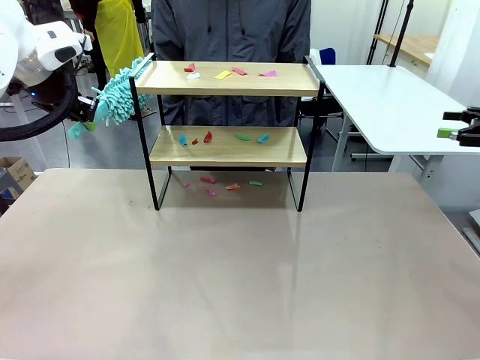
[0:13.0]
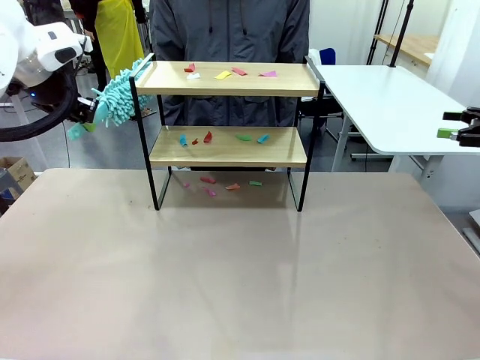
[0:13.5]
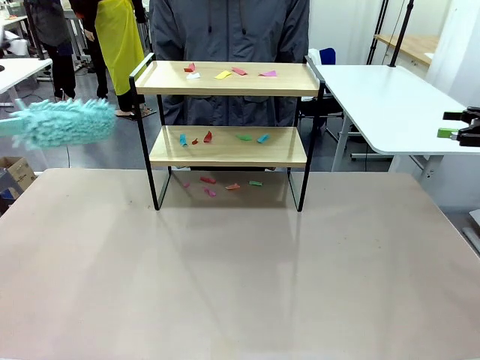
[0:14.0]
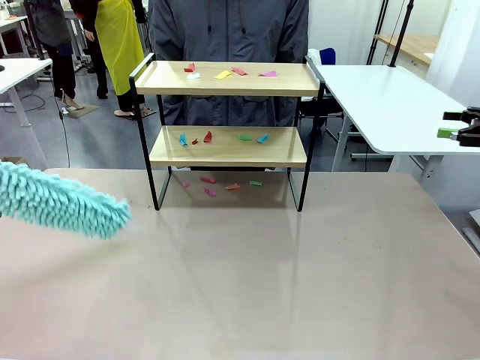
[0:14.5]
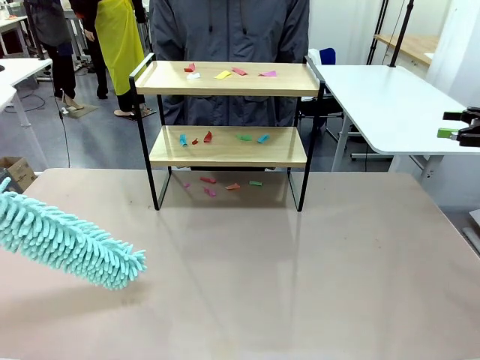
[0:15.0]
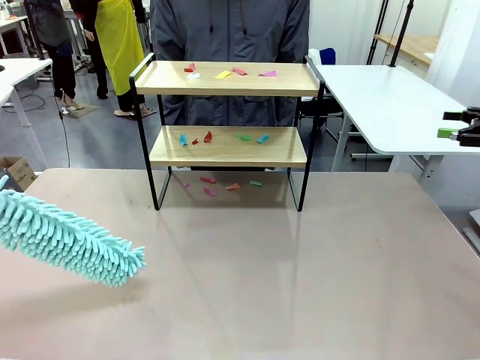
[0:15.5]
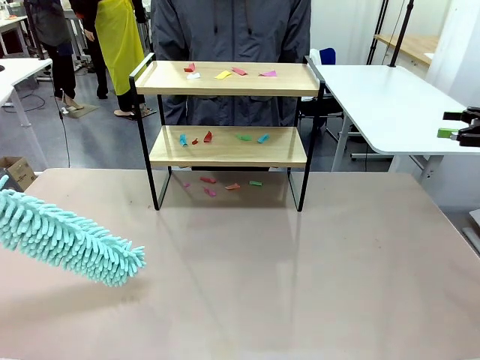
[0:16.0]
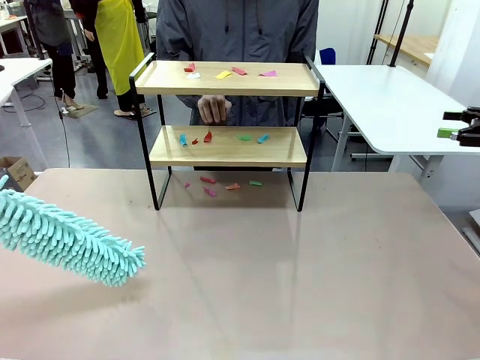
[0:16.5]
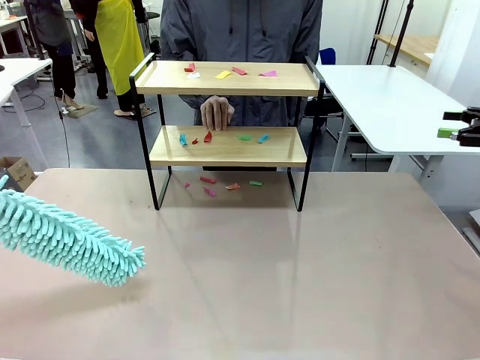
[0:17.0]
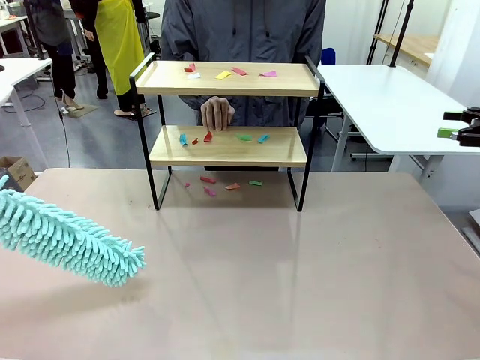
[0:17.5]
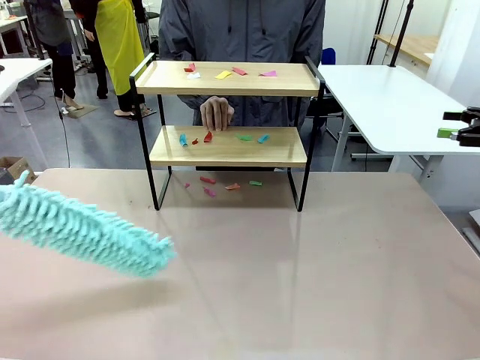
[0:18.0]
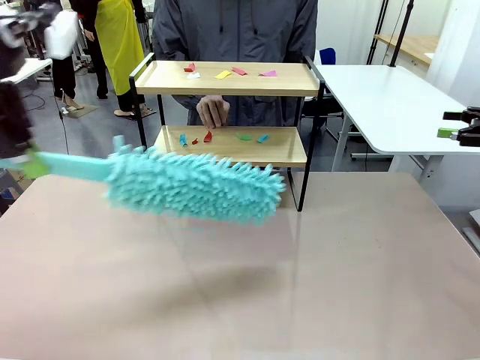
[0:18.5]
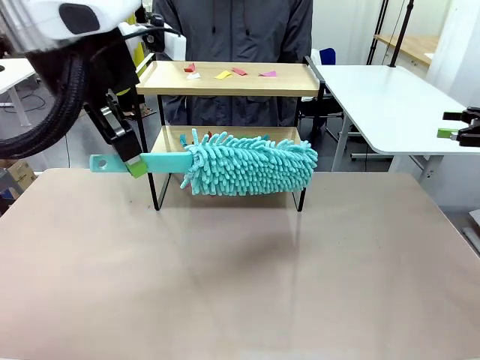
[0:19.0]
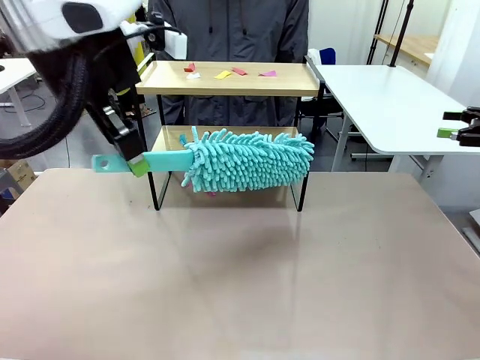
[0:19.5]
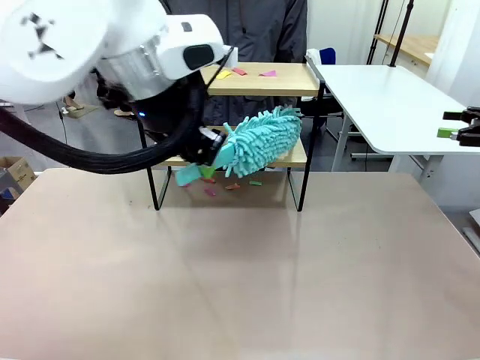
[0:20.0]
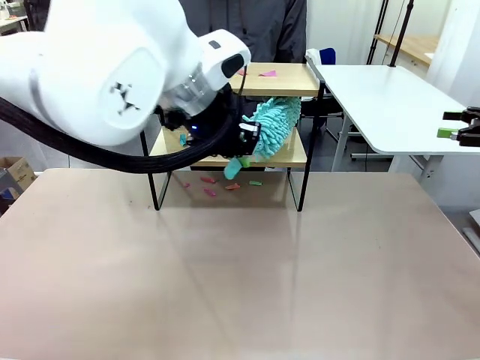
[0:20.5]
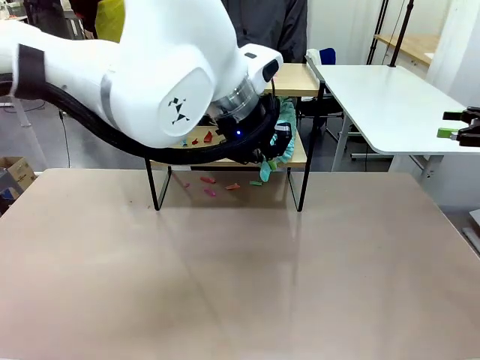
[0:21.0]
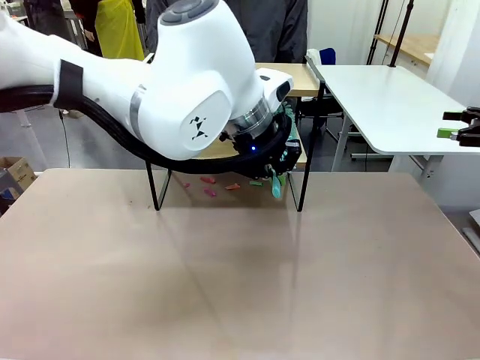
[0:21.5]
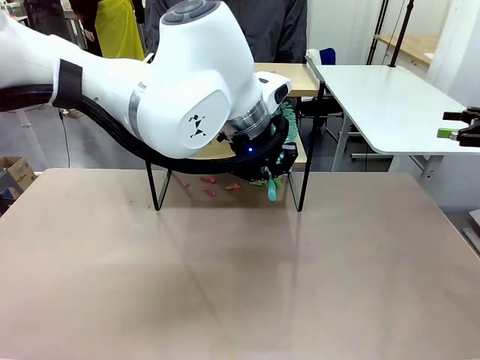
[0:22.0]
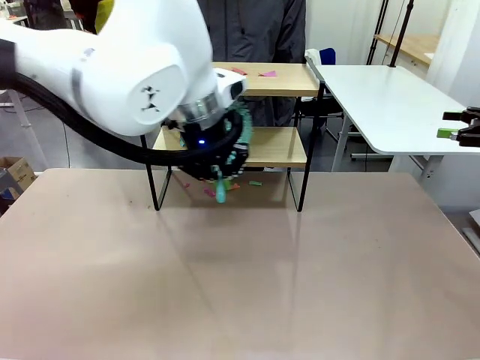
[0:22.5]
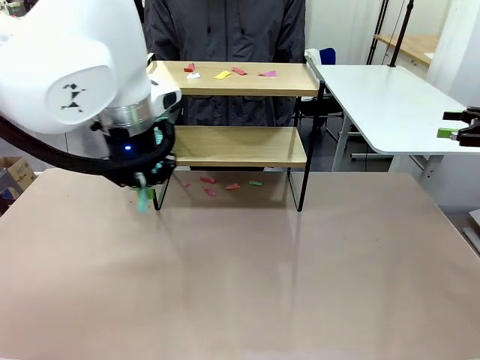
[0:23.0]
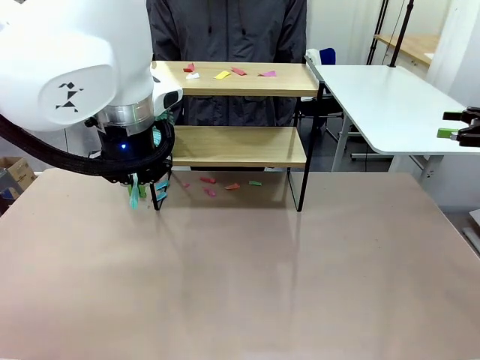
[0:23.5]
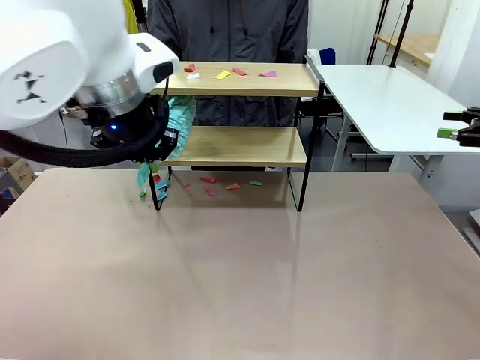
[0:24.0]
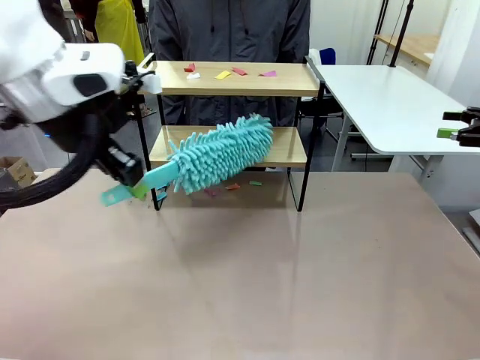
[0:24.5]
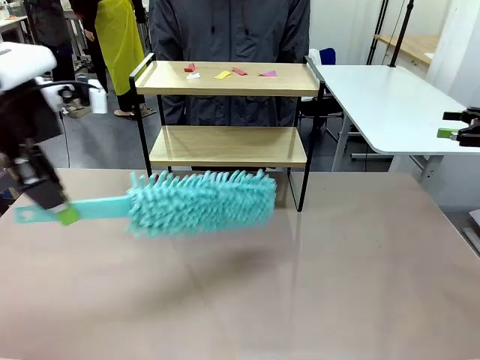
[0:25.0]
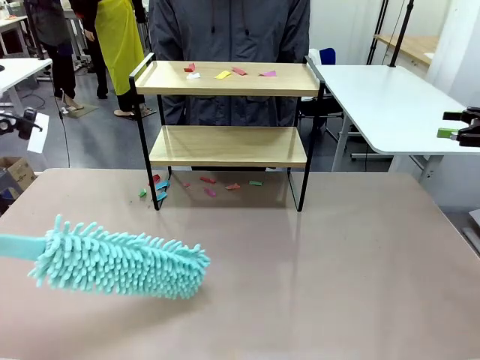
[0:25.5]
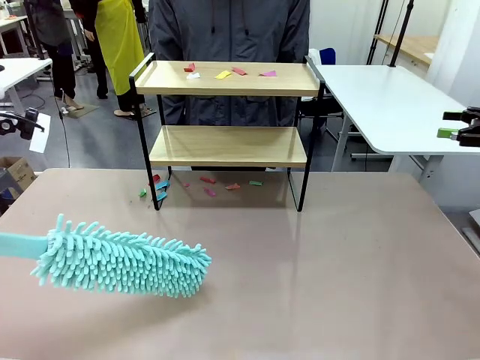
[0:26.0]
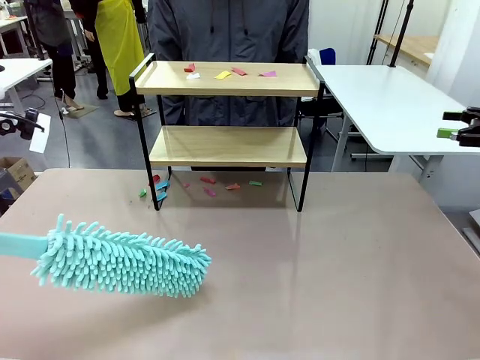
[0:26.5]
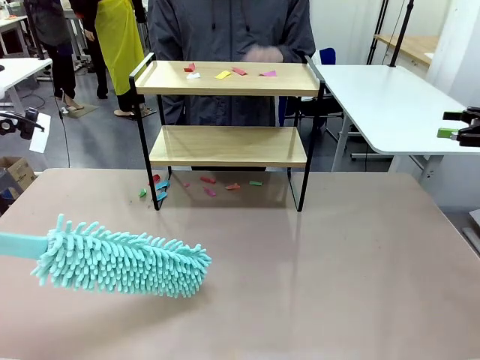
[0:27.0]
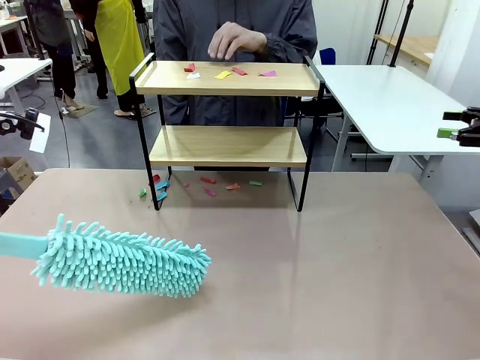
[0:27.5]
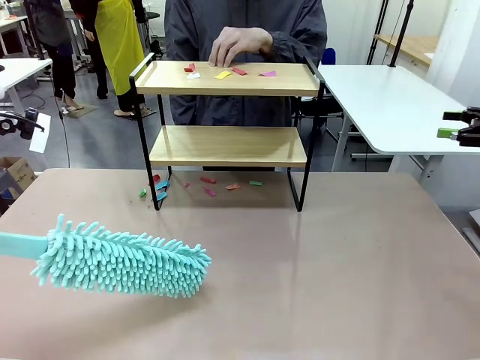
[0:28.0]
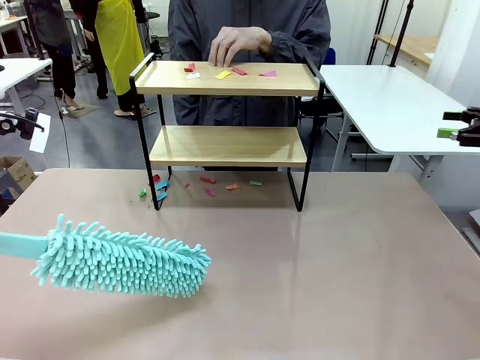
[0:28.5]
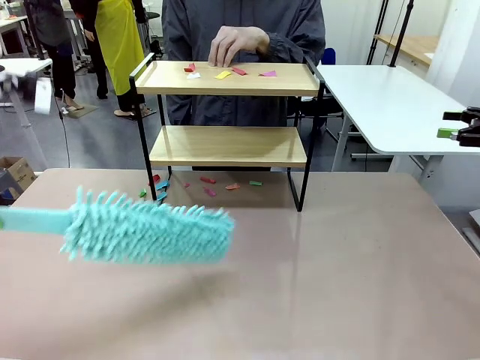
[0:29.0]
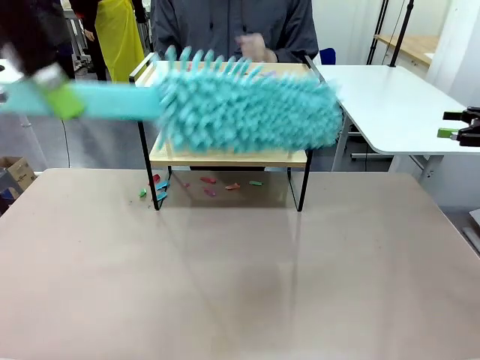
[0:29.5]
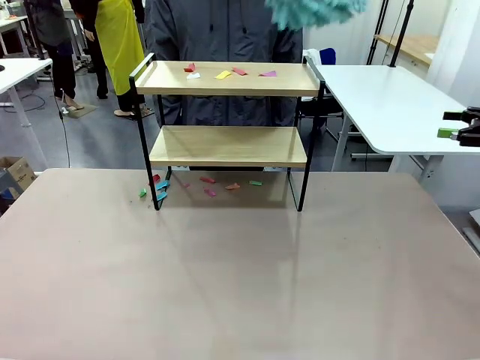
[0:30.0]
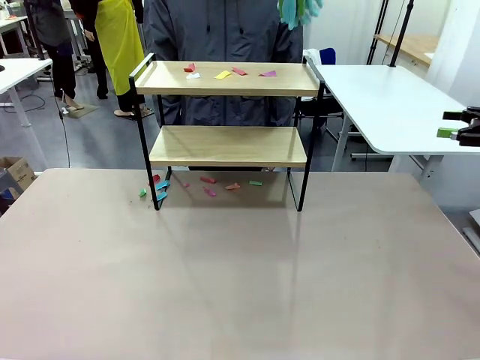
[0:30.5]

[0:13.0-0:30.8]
Task: Clean the shelf.
Robot: Clean the specific section of the Shelf indicated by the human with the Duster.
Person: Point a random section of the Shelf.
